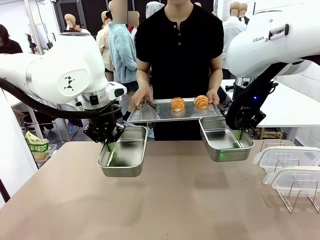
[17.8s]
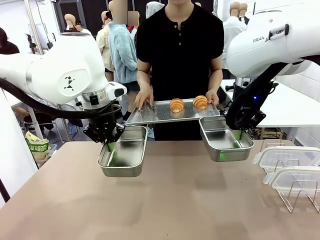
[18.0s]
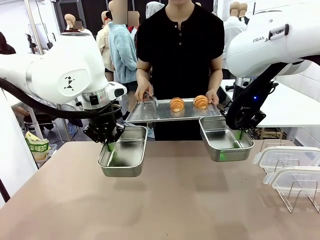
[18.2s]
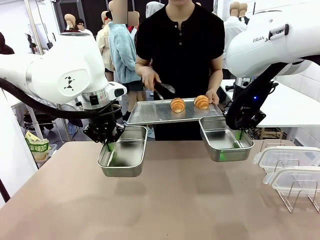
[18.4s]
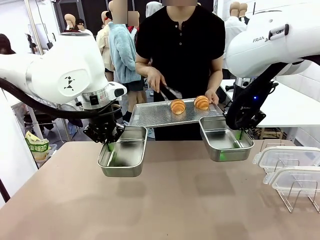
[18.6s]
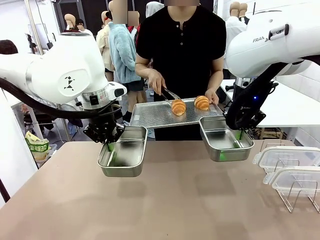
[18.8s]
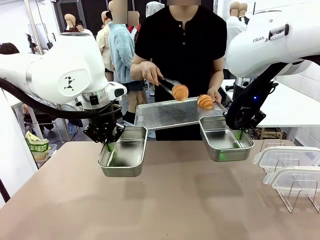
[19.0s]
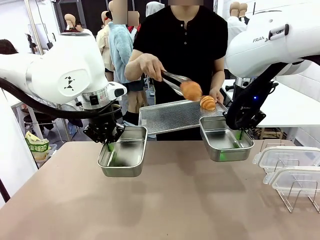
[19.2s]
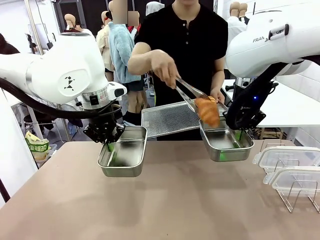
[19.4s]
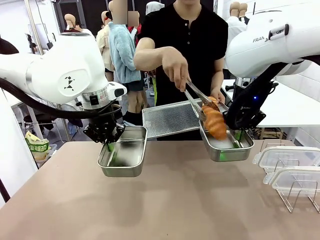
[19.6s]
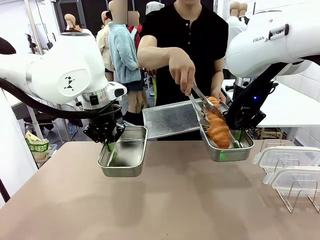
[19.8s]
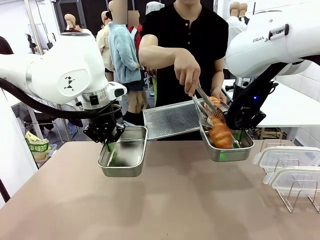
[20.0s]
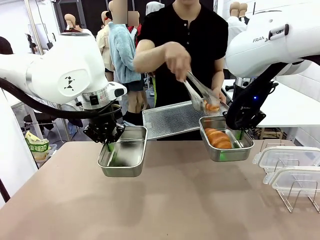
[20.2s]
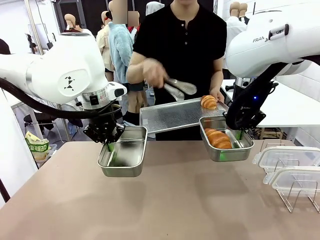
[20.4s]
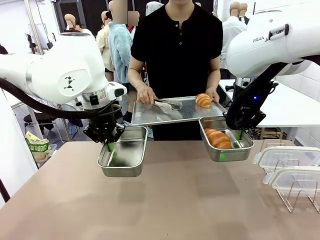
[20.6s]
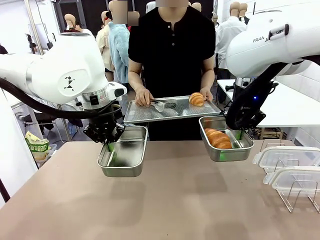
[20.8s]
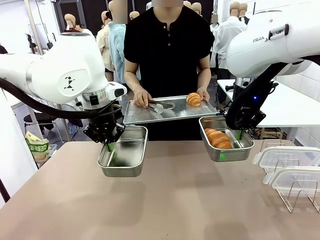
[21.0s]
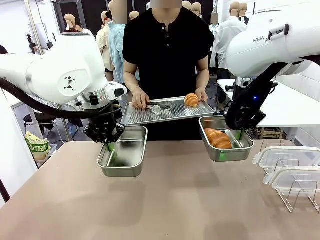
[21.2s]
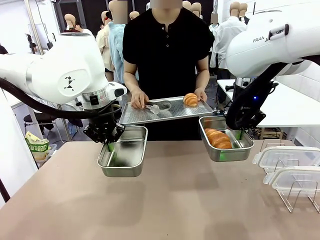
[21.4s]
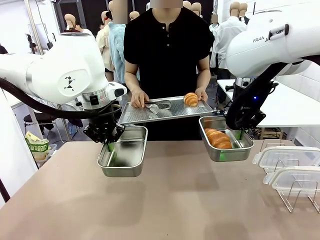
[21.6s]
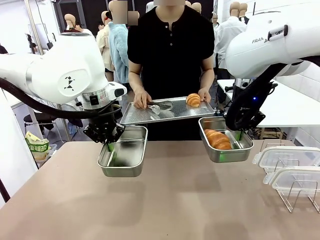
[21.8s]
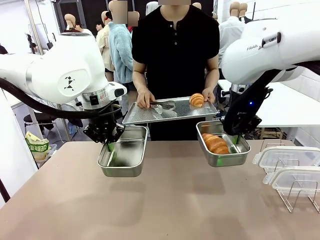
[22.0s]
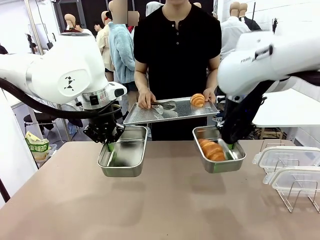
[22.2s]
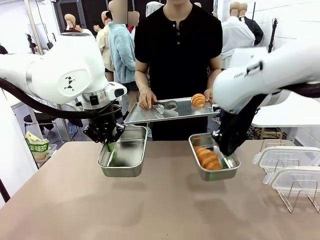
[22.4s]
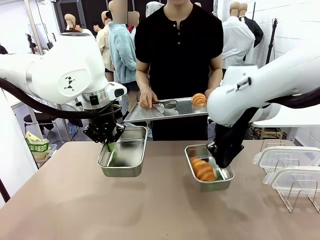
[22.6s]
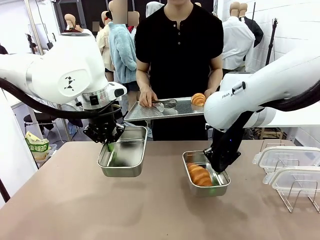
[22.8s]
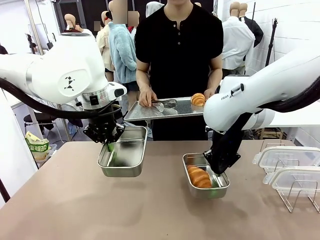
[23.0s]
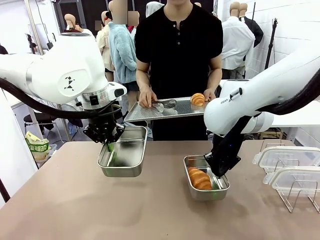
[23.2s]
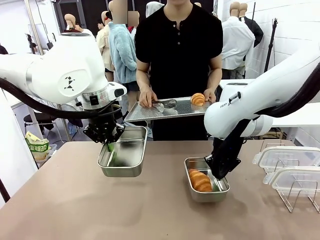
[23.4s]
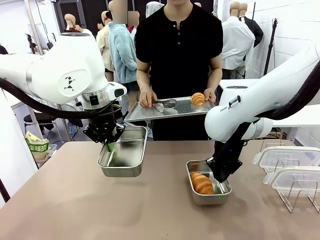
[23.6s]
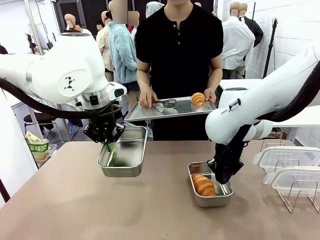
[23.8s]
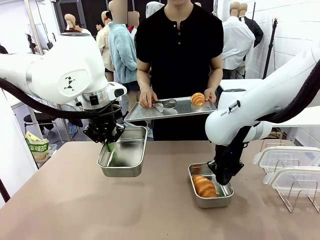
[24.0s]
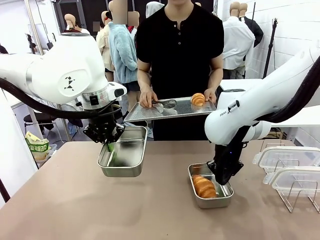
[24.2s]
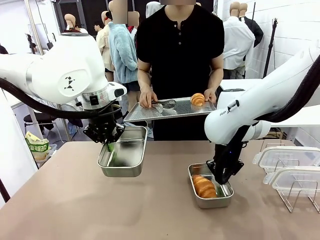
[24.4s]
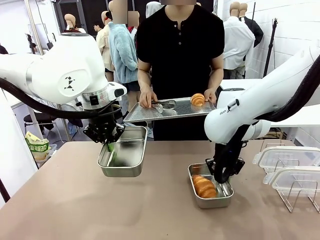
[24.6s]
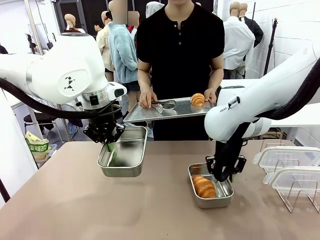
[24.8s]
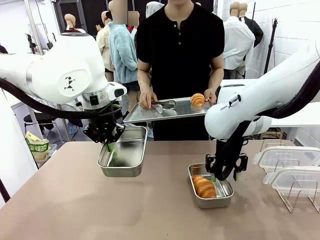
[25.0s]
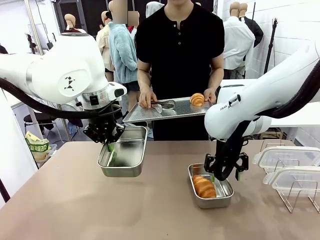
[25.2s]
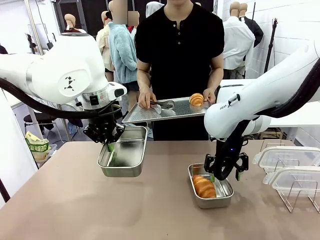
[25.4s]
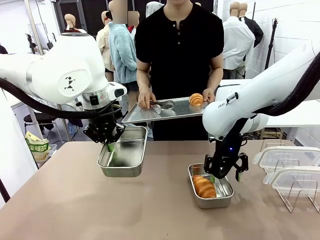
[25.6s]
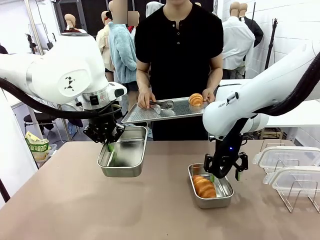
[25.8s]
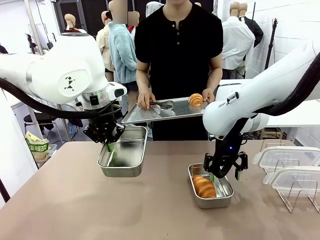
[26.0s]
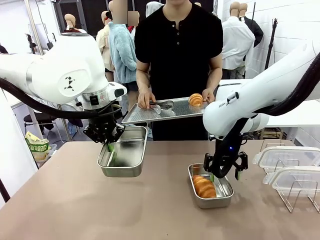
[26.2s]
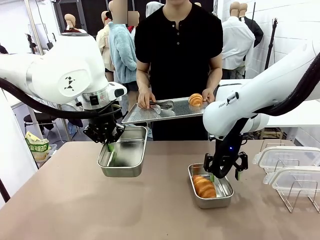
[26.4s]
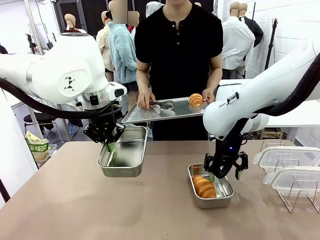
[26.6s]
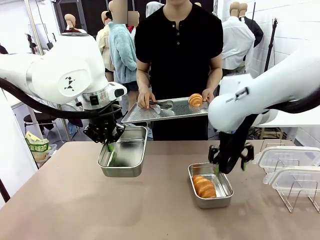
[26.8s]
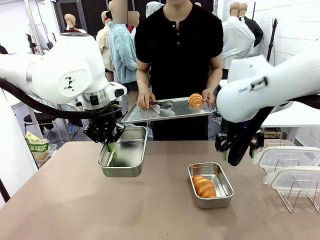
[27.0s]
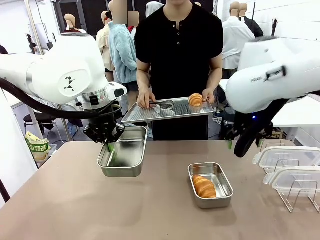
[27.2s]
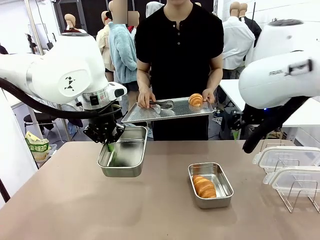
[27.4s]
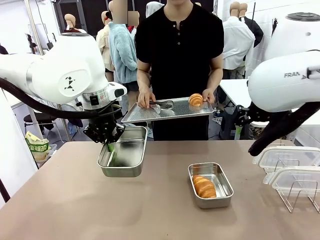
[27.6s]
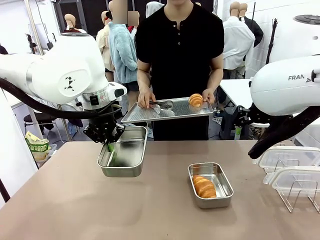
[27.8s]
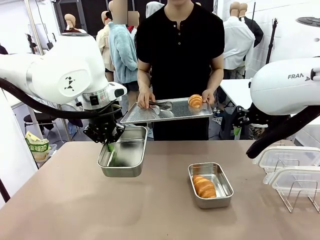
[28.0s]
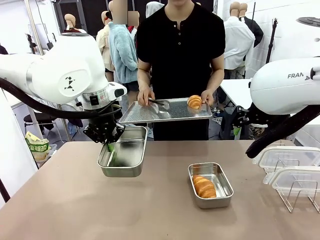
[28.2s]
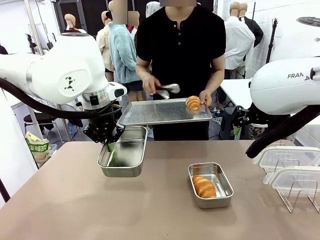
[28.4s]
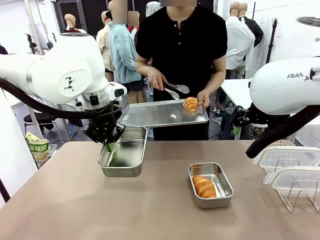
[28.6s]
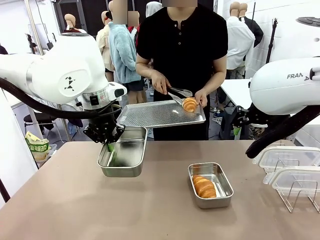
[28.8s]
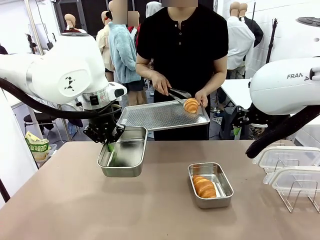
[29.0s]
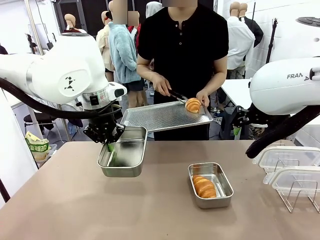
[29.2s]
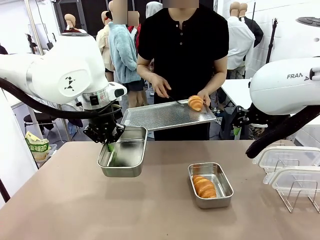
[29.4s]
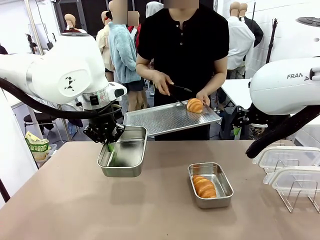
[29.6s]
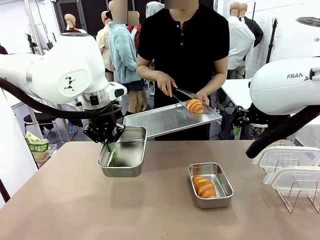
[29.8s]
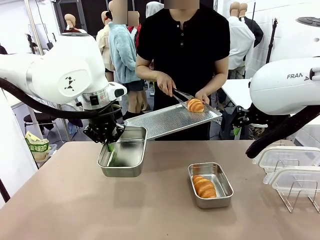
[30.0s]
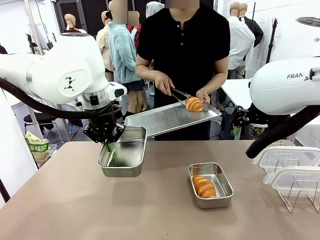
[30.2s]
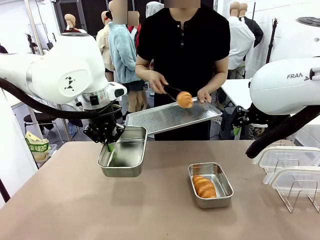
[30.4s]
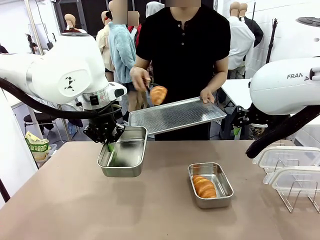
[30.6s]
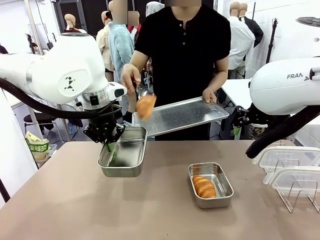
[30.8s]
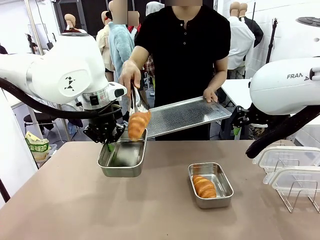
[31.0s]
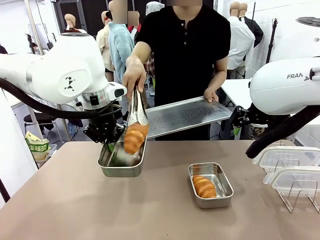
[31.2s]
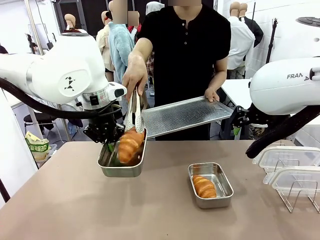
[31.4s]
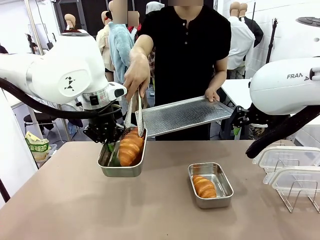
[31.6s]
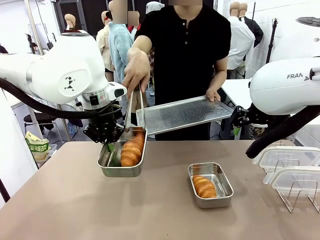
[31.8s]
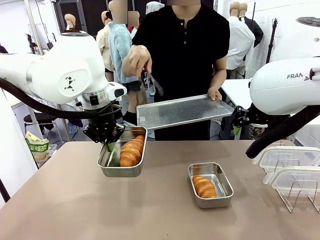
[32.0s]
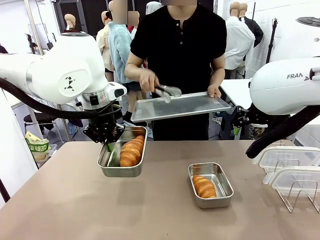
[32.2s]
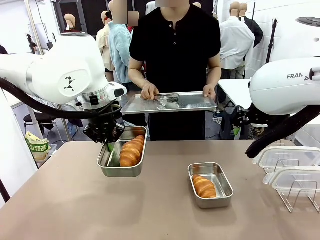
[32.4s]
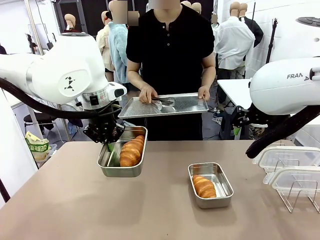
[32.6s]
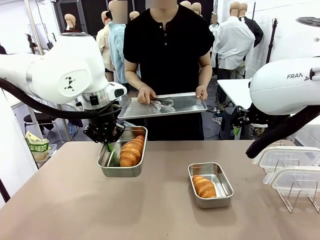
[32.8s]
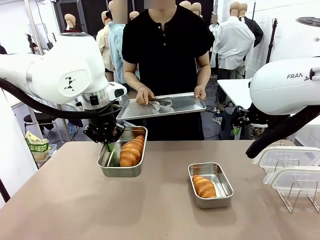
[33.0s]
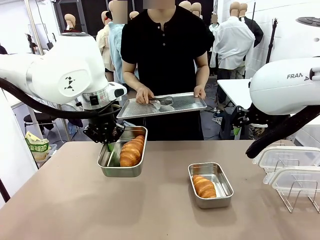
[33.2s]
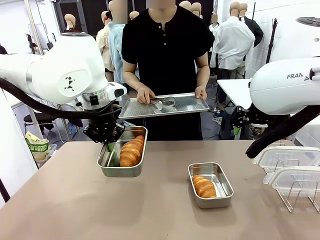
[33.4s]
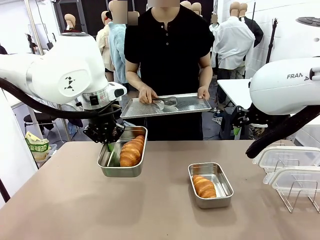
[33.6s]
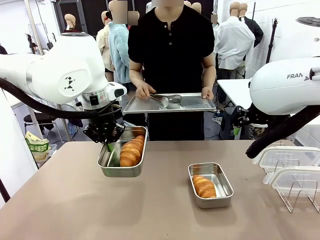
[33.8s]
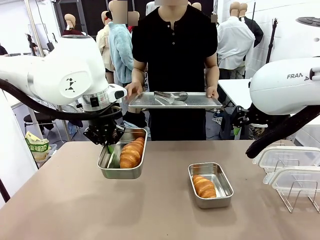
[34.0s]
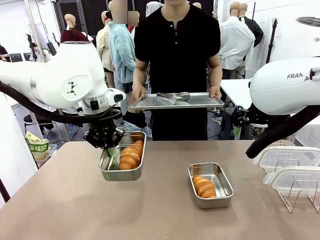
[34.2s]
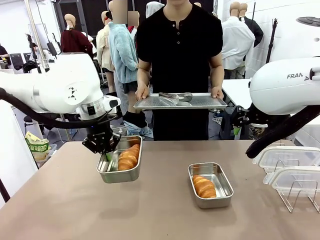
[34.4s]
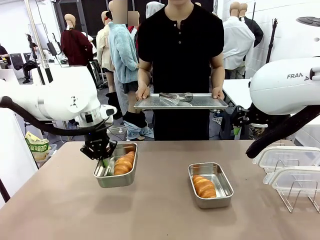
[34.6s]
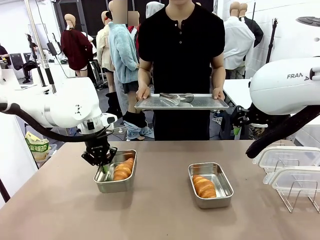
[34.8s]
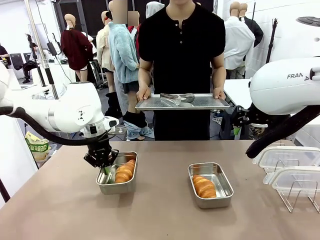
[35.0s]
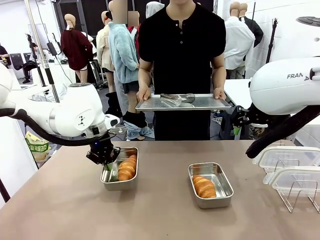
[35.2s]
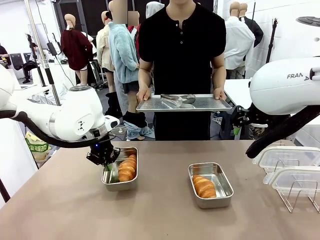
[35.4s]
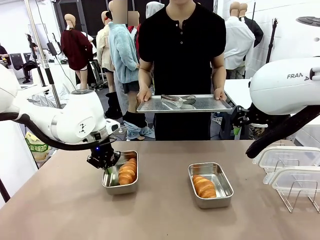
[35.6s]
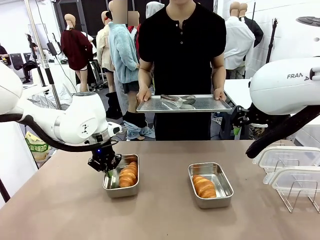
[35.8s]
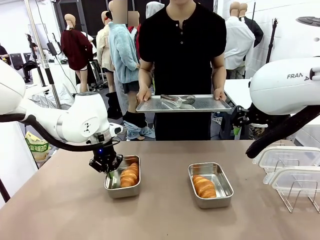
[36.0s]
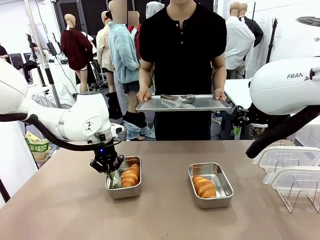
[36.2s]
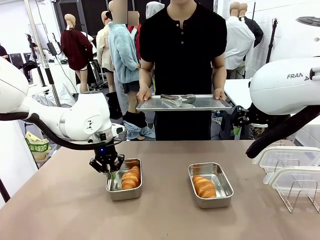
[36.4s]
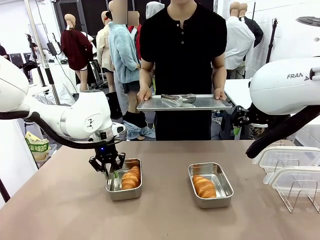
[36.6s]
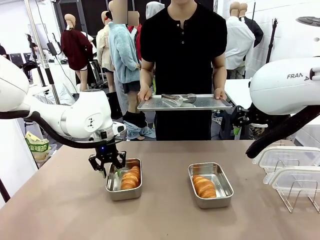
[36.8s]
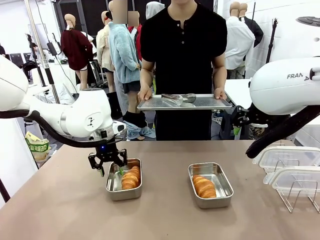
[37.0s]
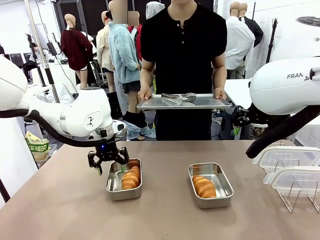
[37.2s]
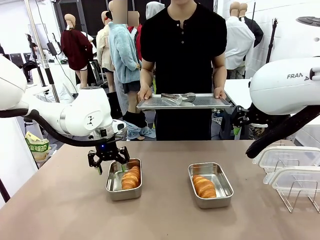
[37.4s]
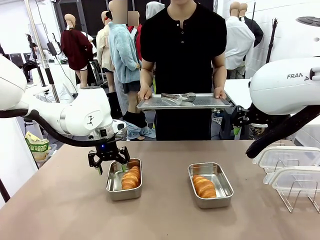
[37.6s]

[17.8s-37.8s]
Task: Place the bread in airtight containers.
Robot: Once an object is inside an Airtight Container , place the container in the center of the table.
Person: Use the Stainless steel tongs to place one object from Baking Sheet into one Airtight Container. Place Baking Sheet on the Human's Table.
